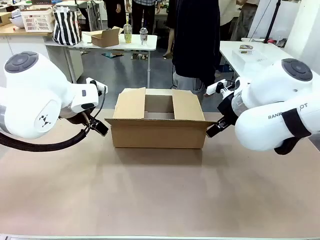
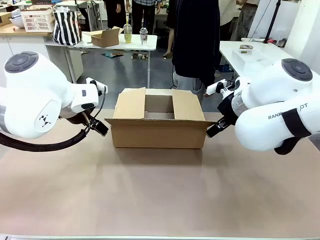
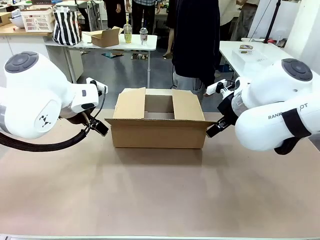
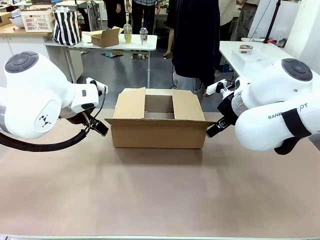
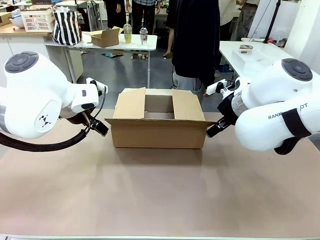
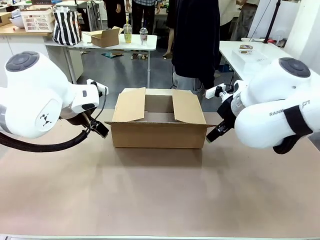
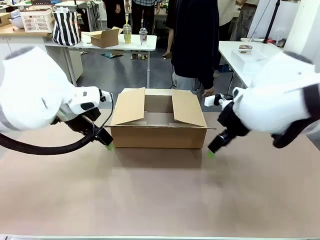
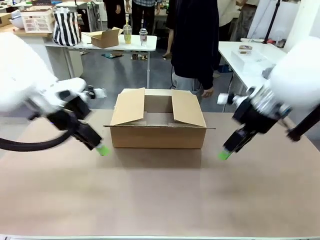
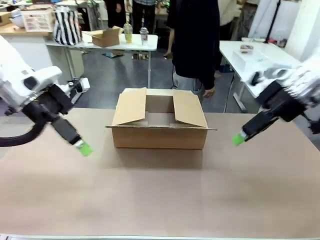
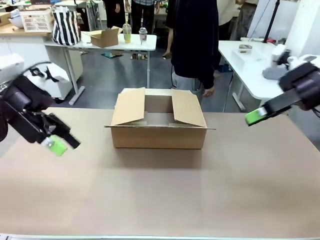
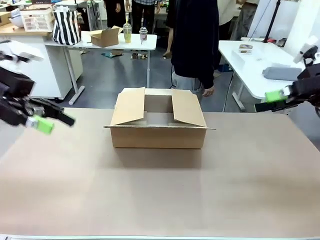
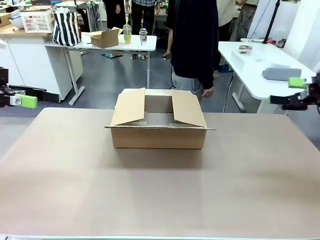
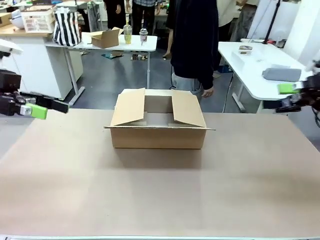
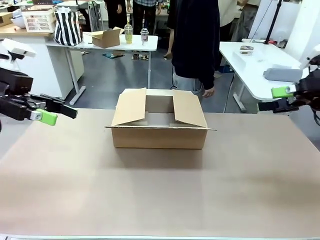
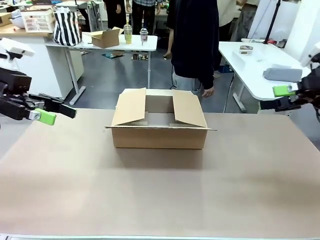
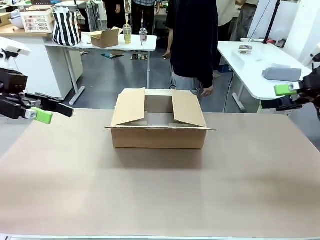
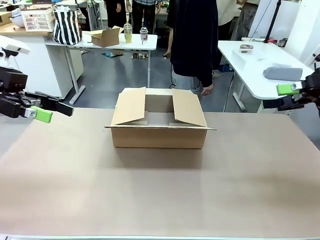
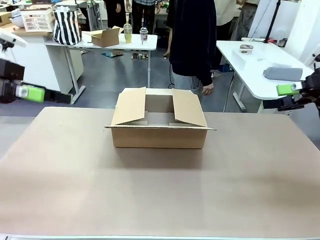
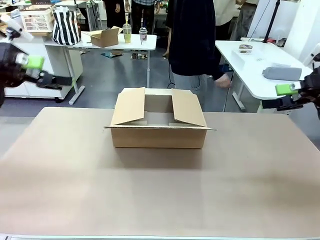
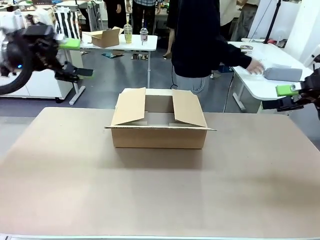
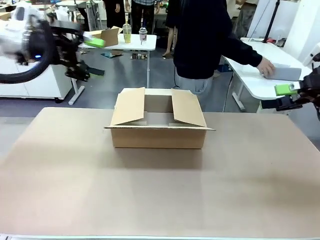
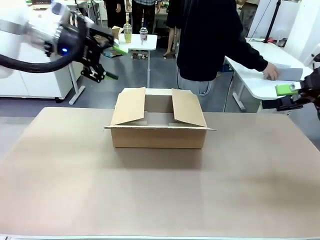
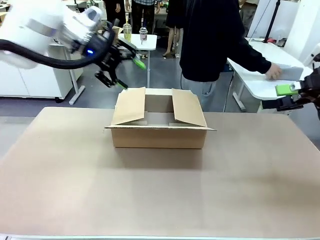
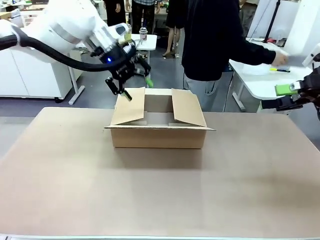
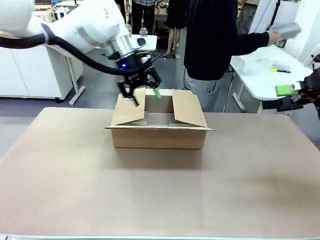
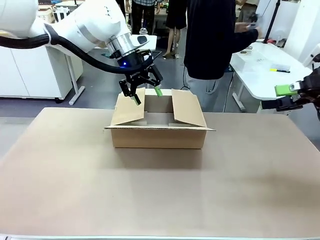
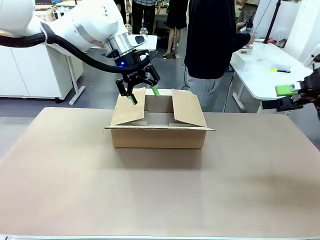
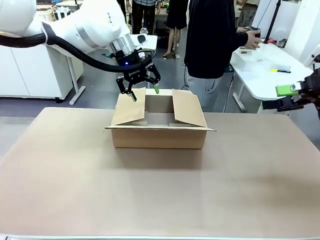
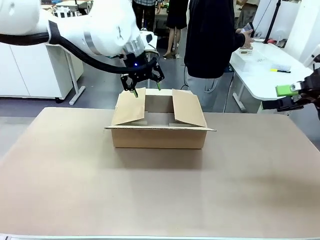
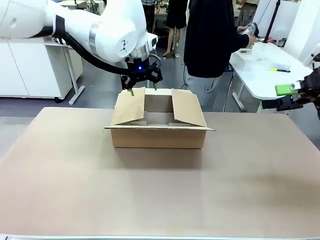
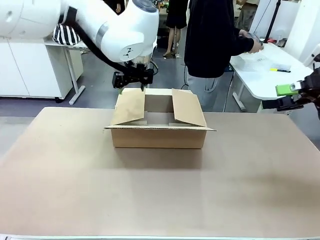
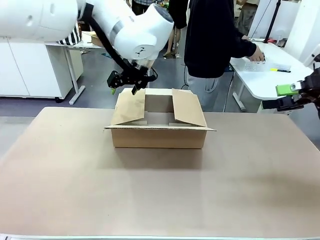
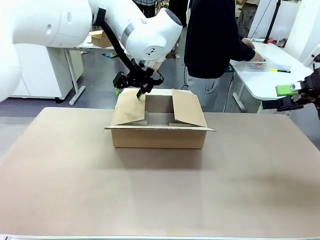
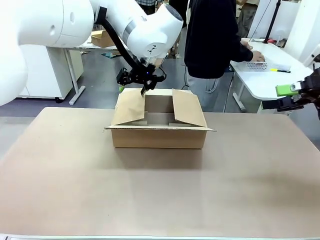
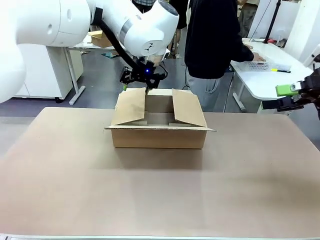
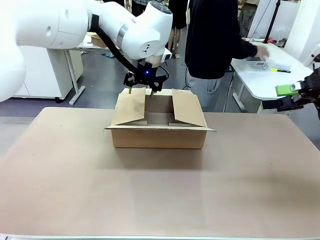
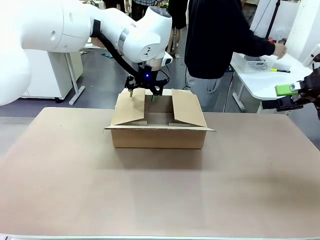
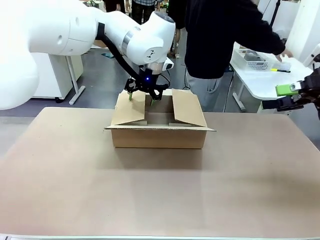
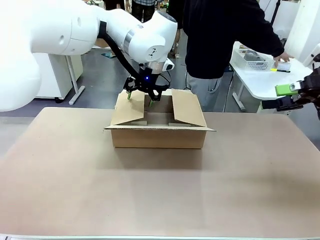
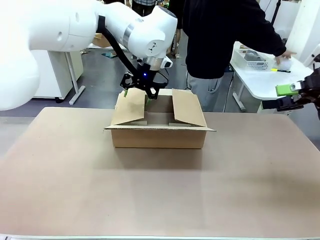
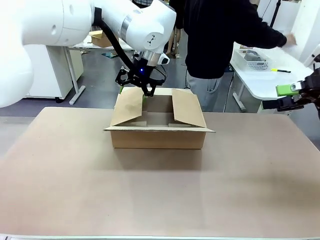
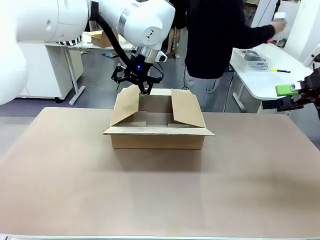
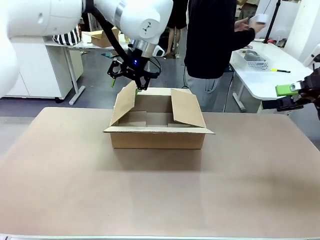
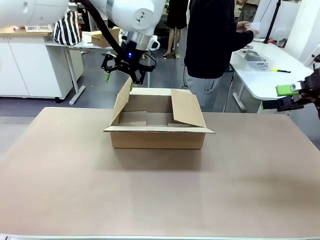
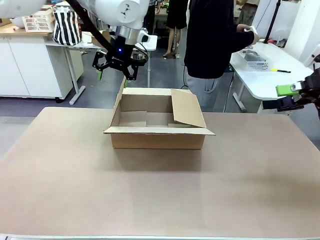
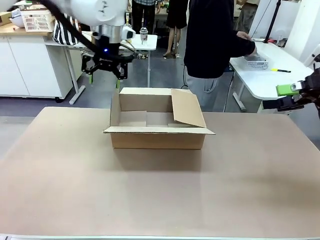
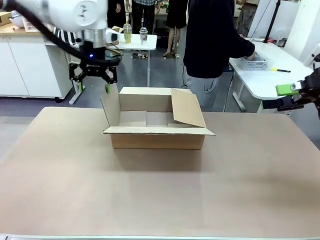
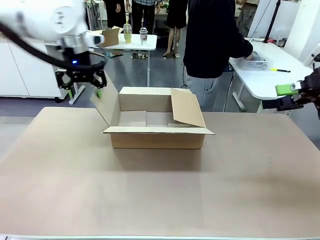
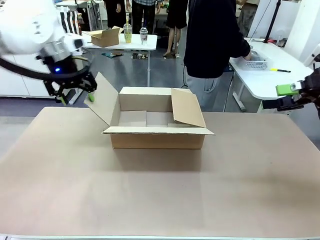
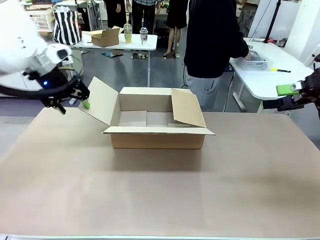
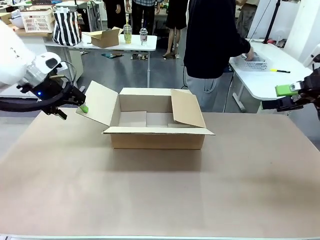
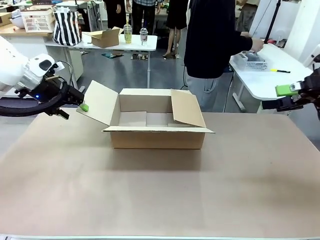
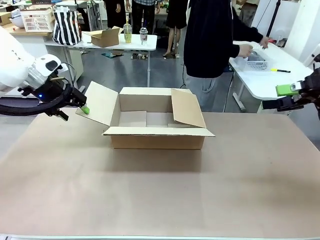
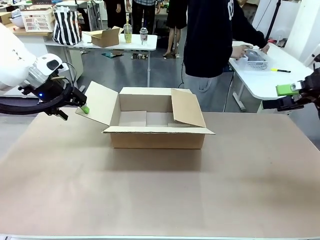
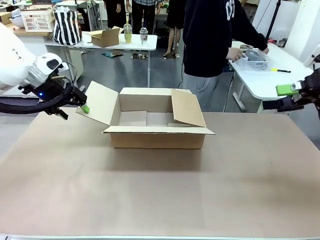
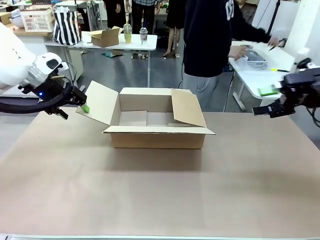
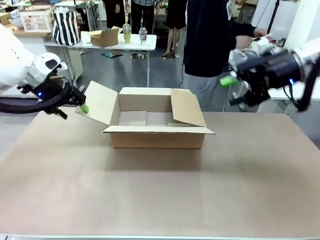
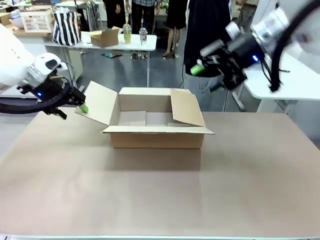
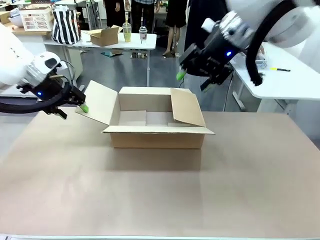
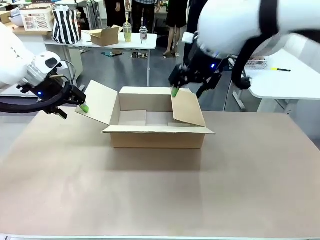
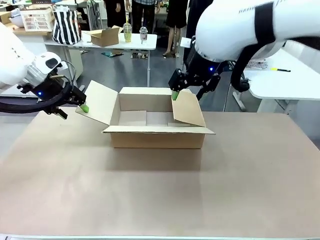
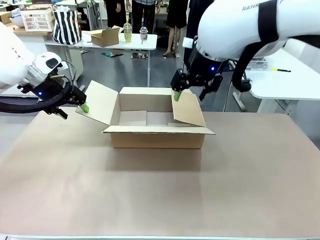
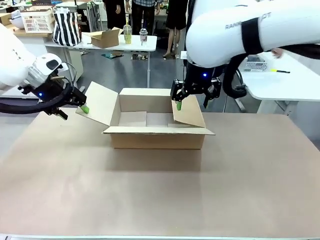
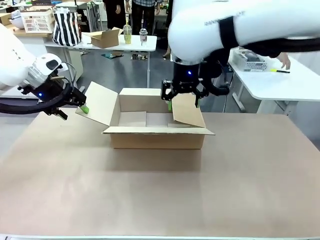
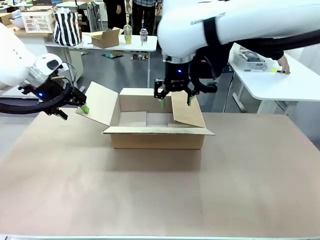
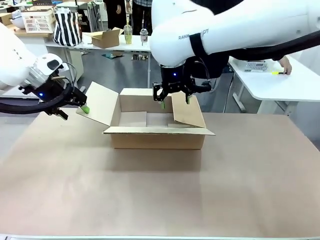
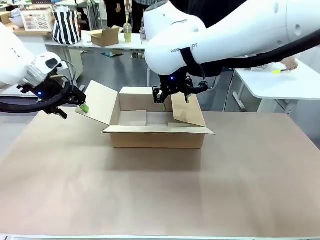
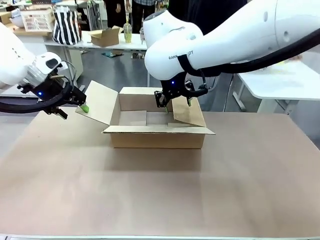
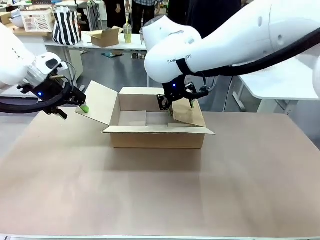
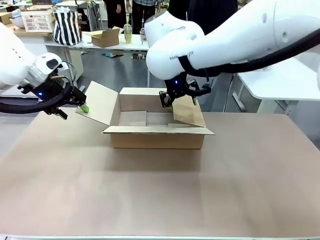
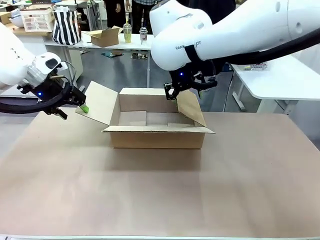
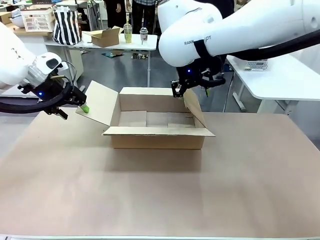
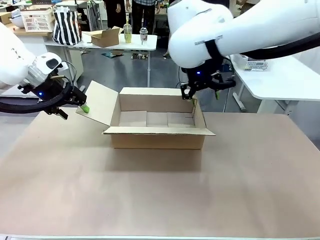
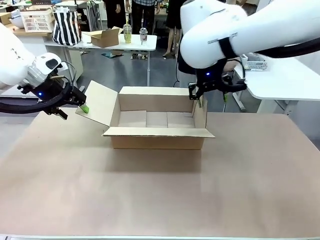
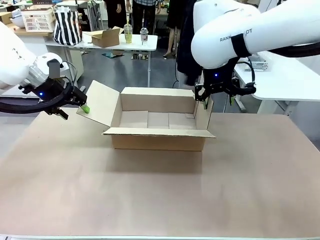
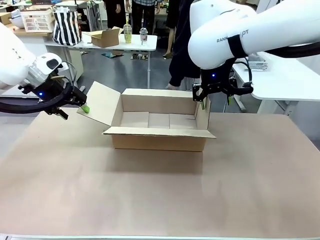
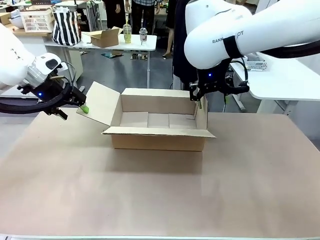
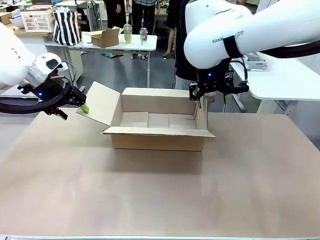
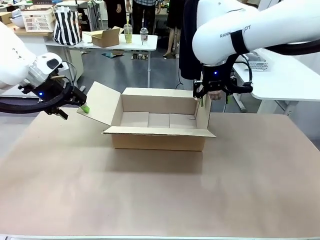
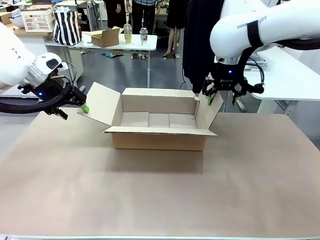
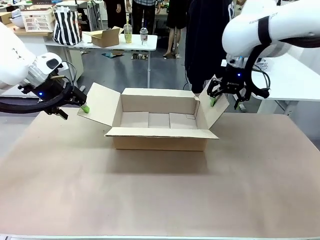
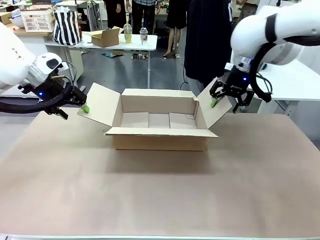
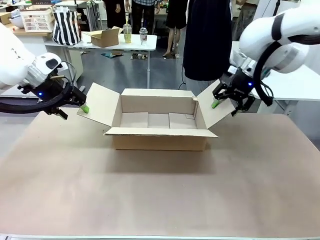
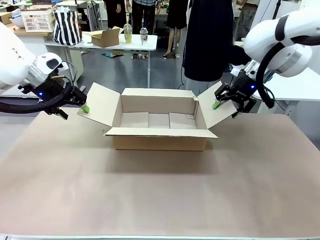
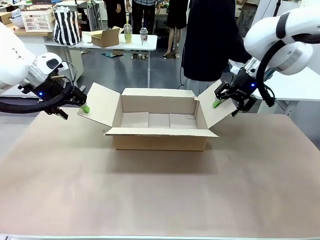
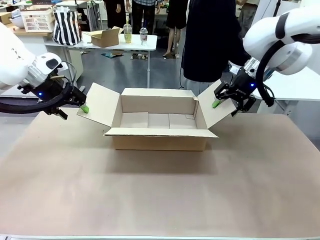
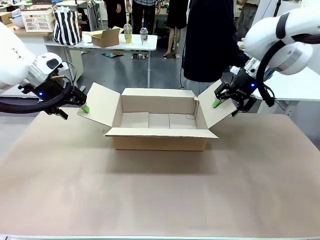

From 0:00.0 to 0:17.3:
Task: Pack the gift set into the box.
Robot: Place both hands on the side flaps of the Package Box and spread them outward.
Person: The human places all items except the paper tape into the organizing basket.

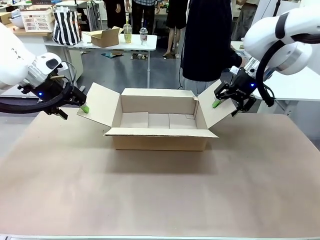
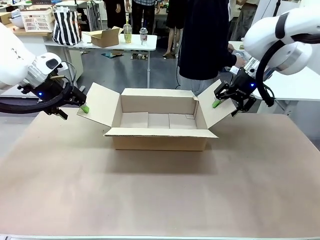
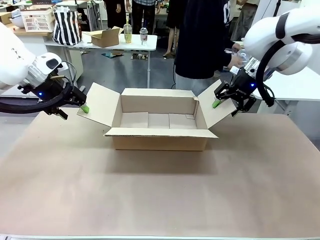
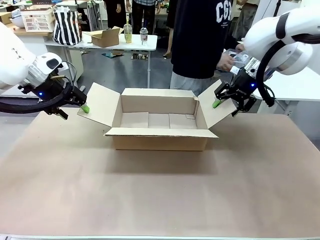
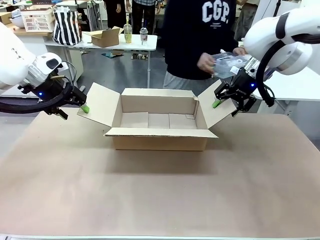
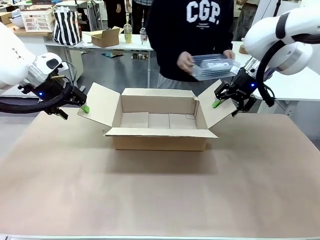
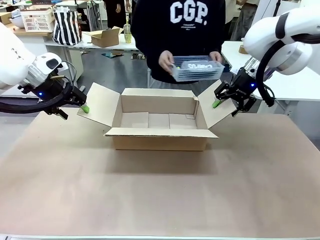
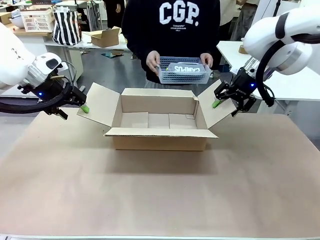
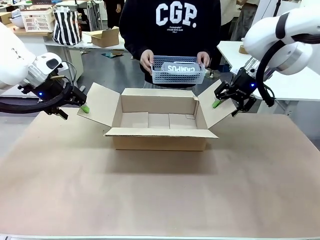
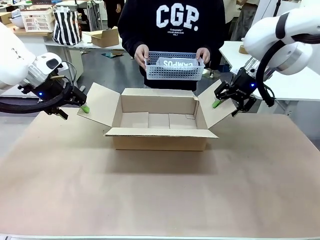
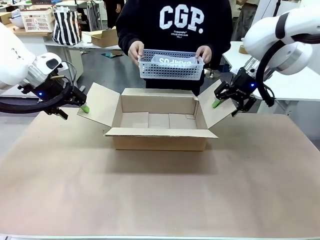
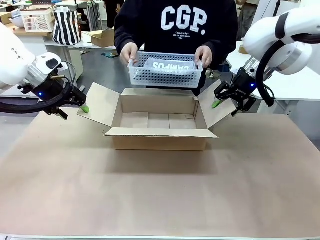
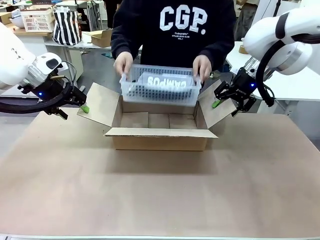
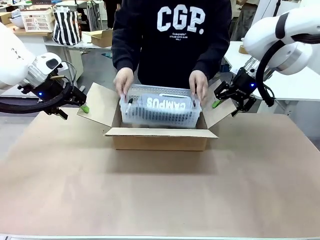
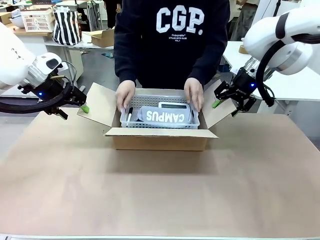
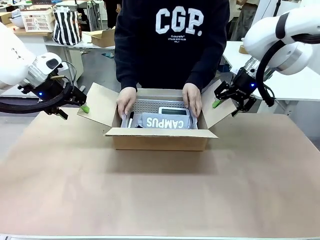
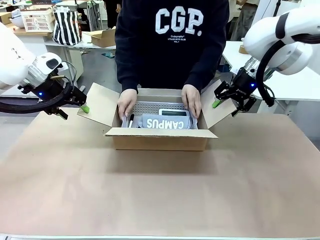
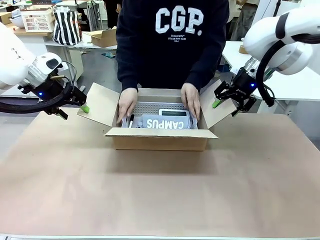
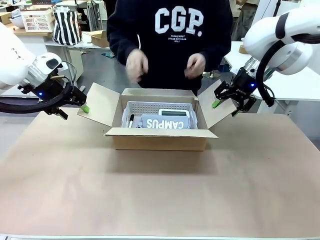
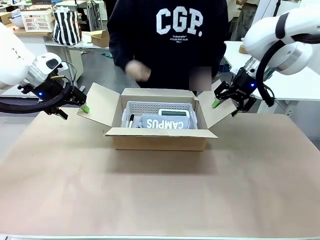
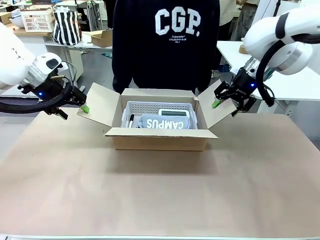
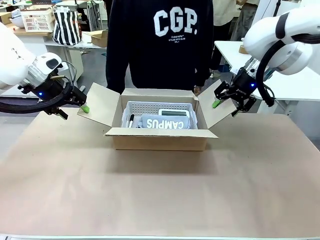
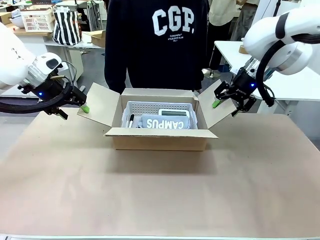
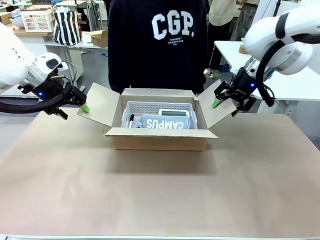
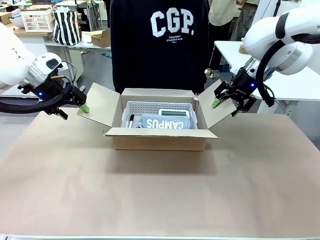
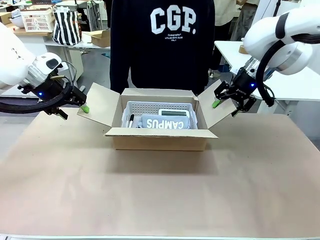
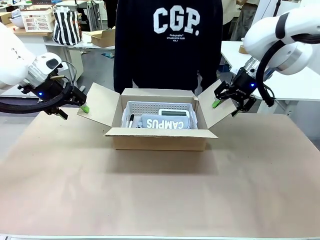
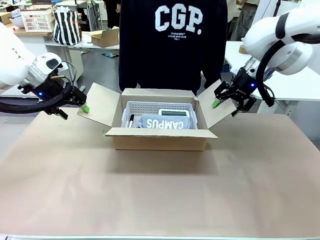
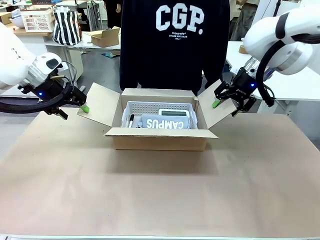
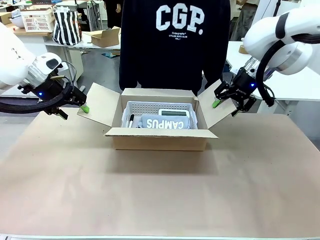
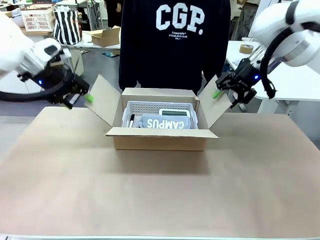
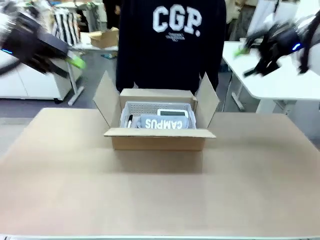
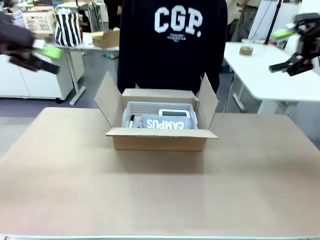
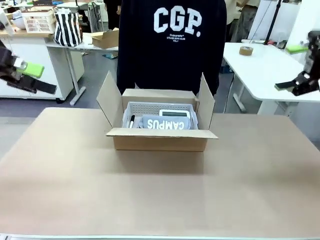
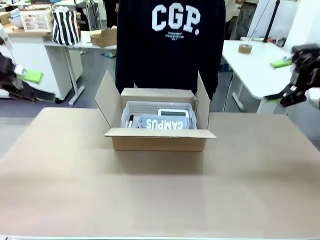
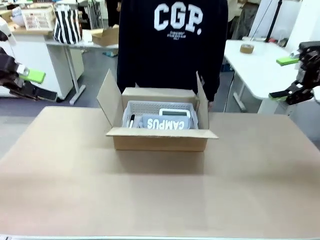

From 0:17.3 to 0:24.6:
Robot: Lift both hands away from the flaps of the Package Box.
Person: The human picks up the organizing basket and places the organizing basket into the package box on the robot table.
